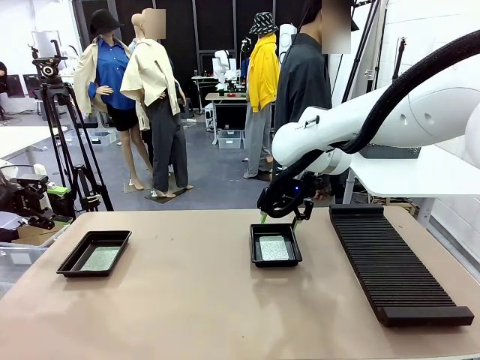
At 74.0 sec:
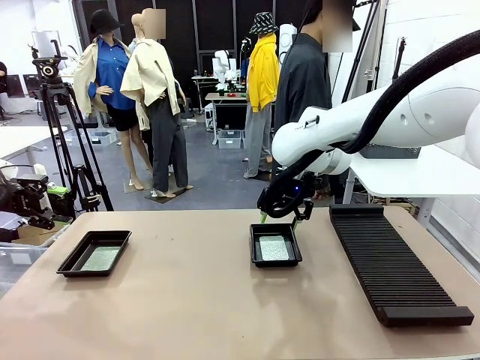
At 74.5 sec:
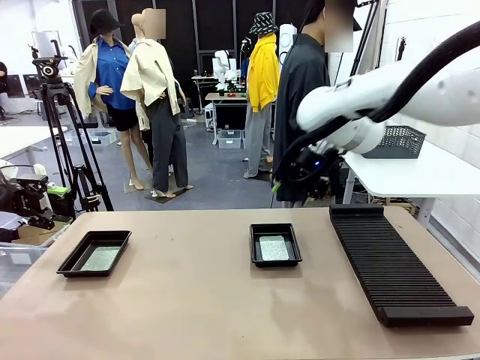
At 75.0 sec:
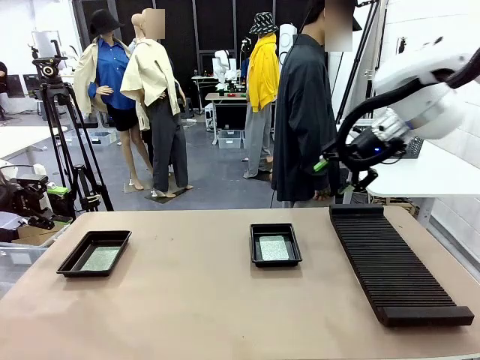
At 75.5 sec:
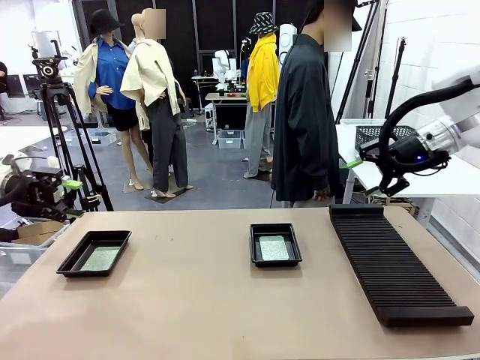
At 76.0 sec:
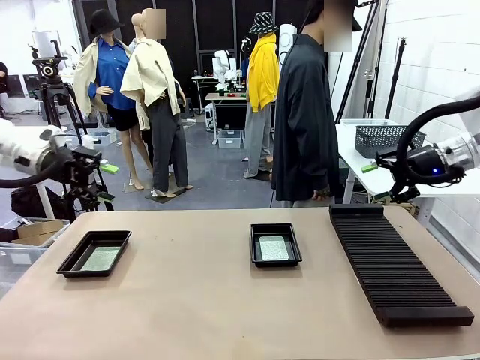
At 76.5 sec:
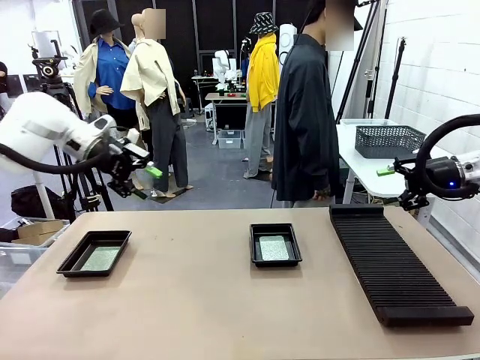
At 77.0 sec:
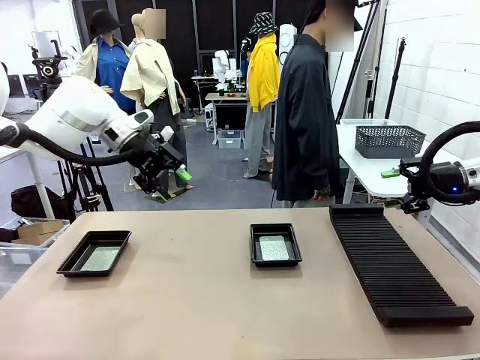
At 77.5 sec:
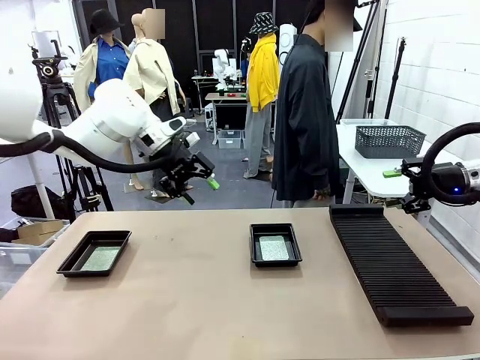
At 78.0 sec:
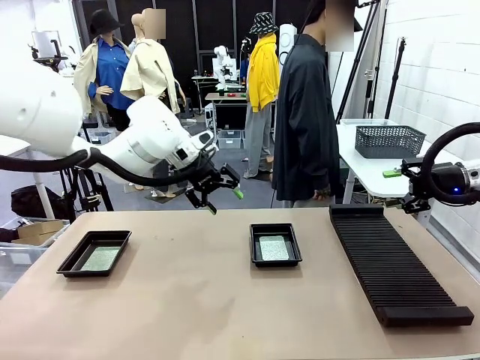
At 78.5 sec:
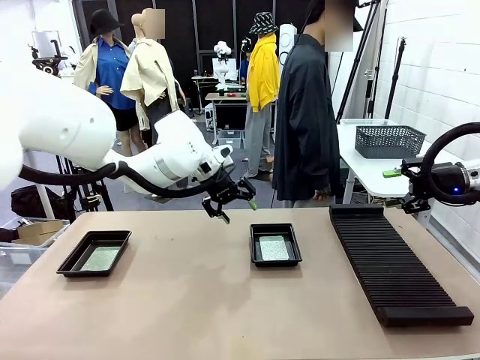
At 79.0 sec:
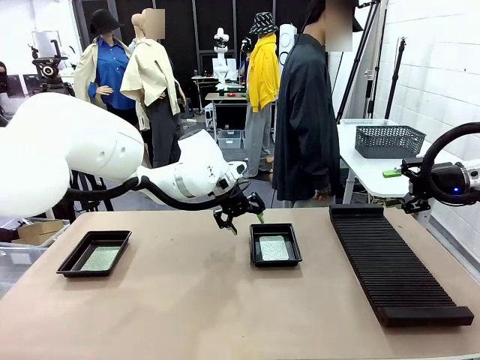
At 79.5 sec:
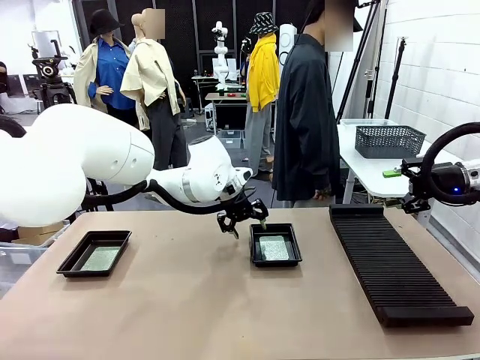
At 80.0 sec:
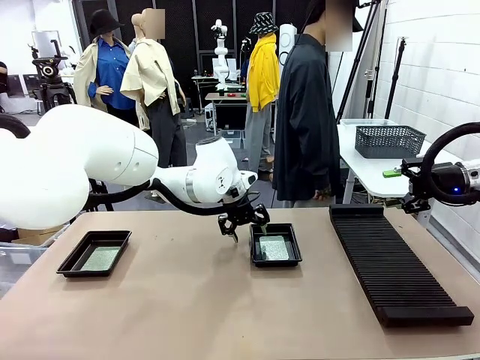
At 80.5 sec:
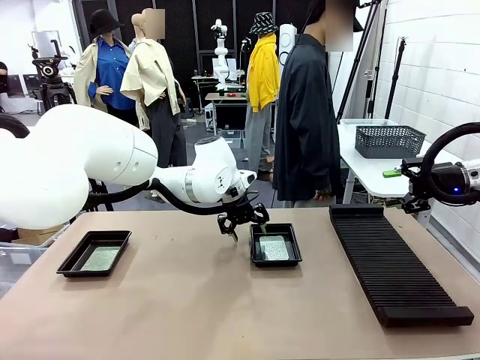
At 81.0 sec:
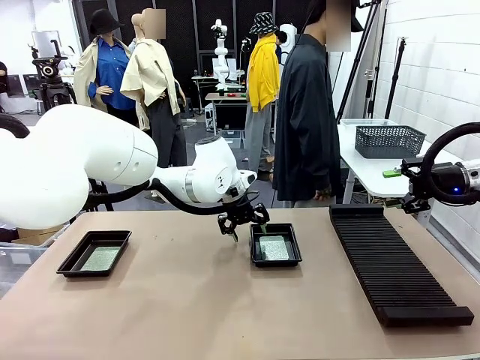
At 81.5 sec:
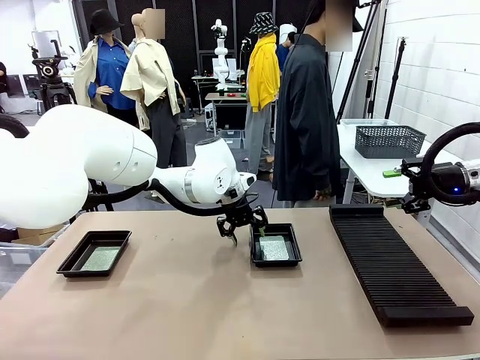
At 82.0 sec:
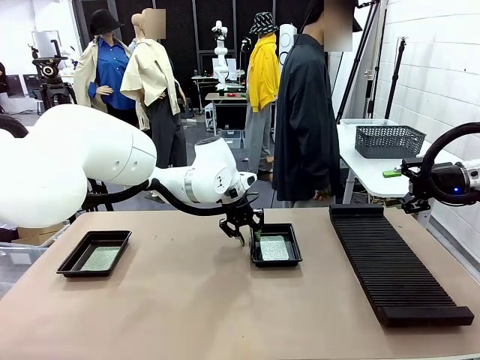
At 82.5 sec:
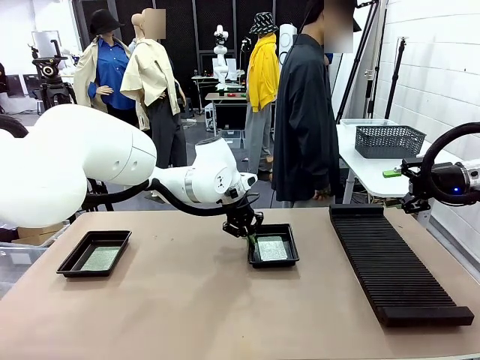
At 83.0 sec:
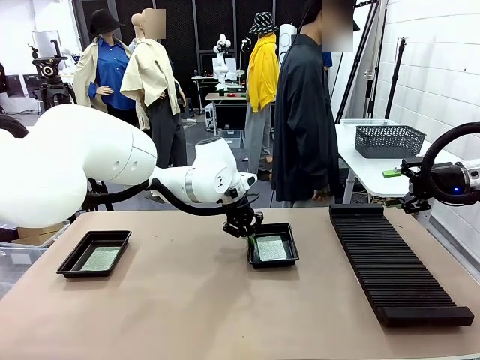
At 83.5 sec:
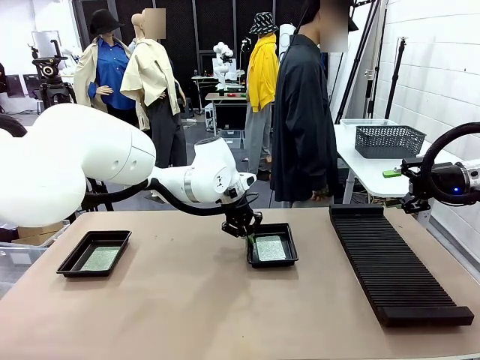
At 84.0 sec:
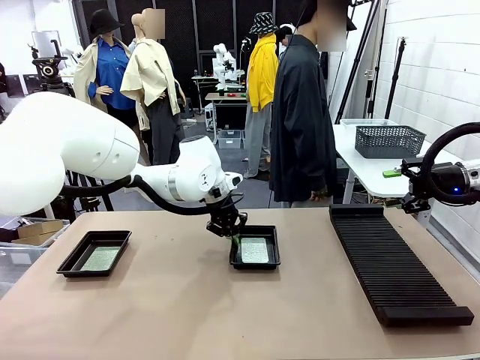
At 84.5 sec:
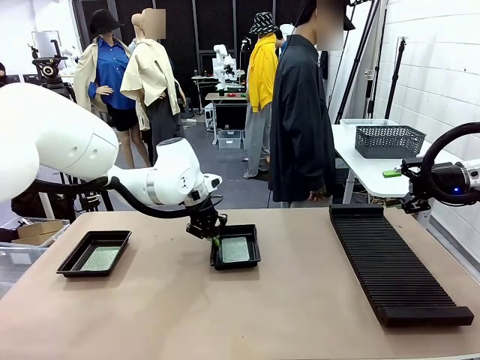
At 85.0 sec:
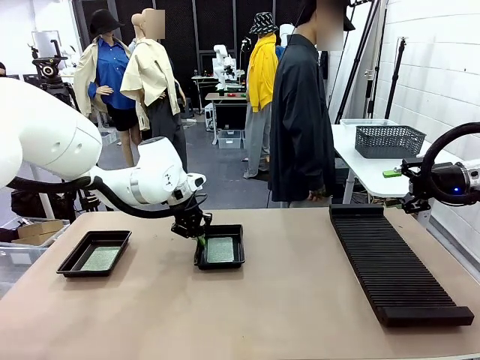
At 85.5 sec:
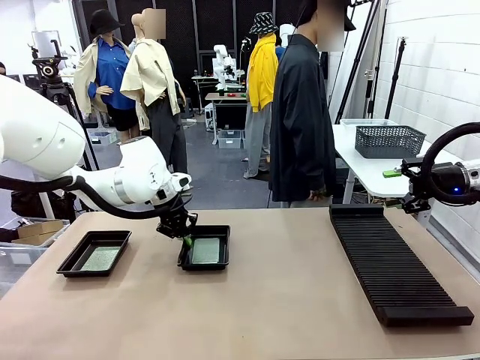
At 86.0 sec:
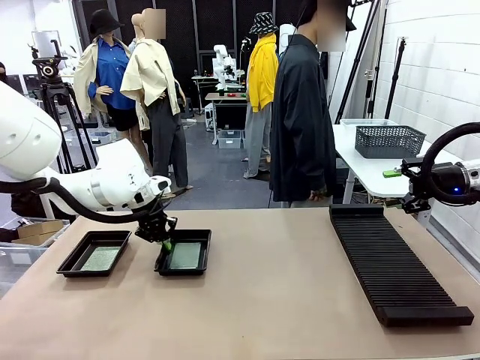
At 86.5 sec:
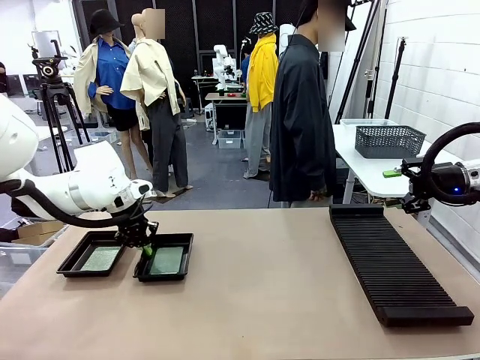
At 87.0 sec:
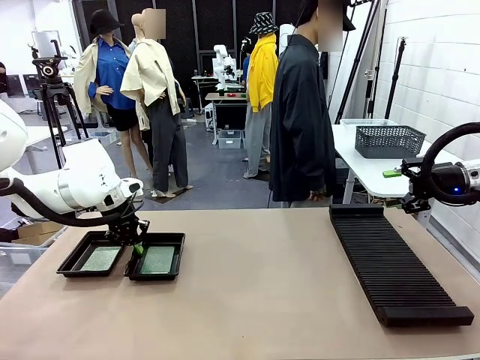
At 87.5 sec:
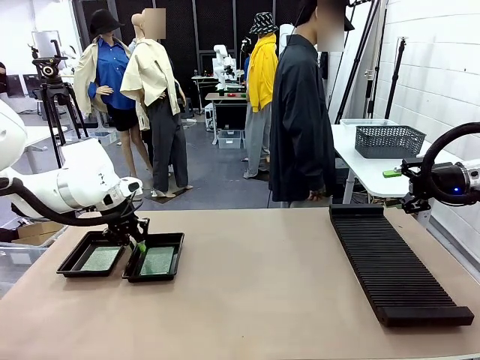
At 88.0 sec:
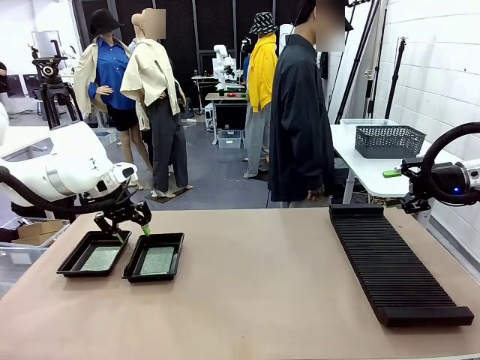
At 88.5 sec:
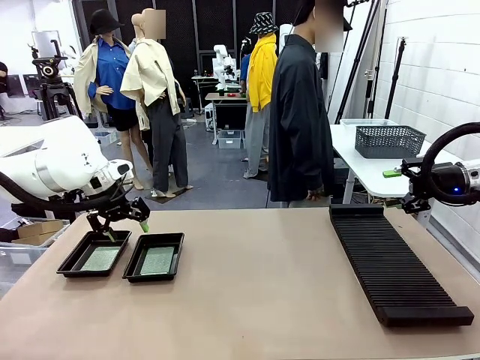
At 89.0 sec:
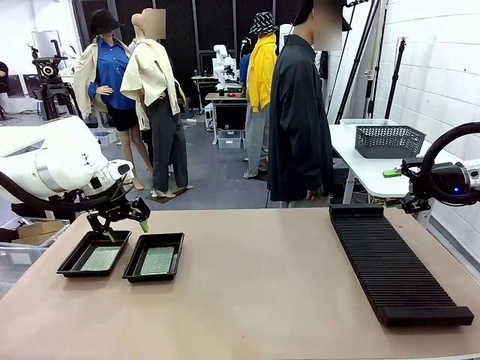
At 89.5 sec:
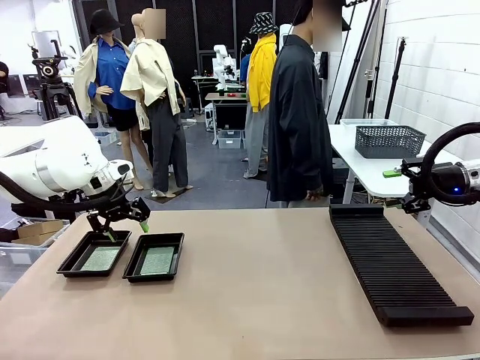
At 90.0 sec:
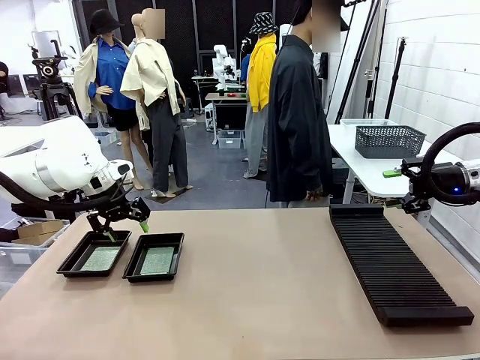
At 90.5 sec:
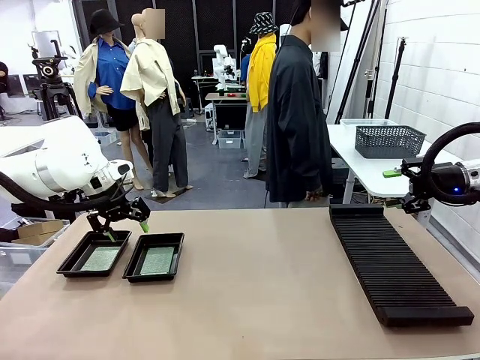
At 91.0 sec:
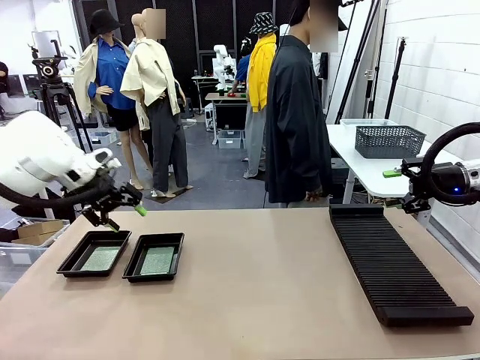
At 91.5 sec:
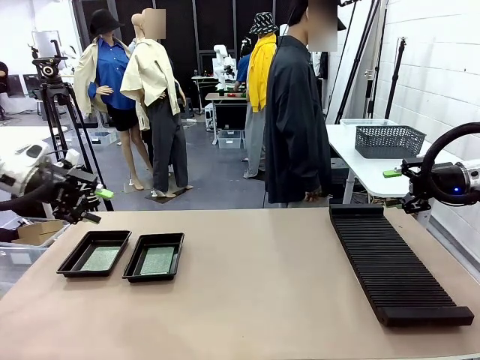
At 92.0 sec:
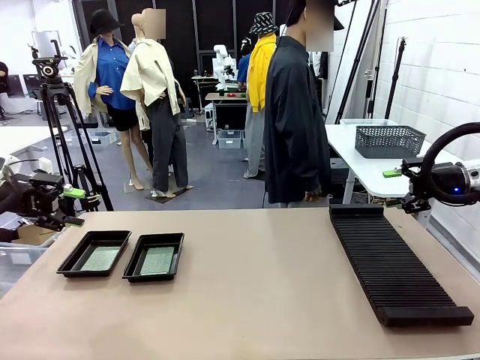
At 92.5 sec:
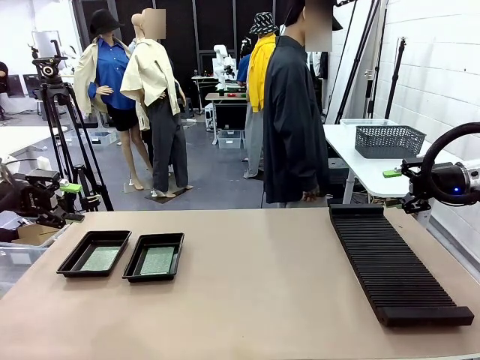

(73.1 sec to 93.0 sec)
Task: Inspect and transfer BCBs to ESD trays.
Robot: Pick up the ESD tray and place it on the left side of the table.
